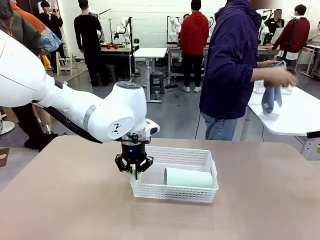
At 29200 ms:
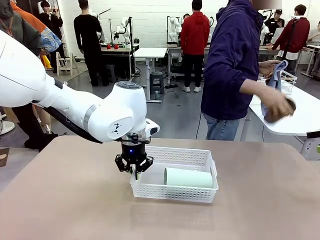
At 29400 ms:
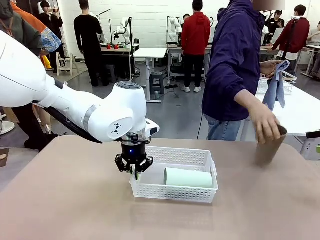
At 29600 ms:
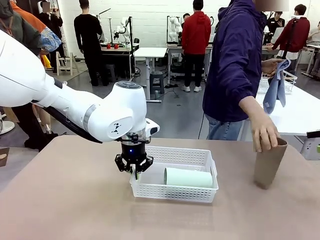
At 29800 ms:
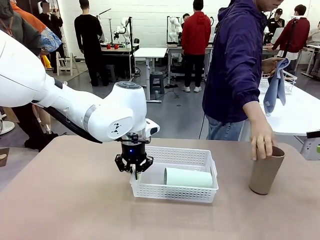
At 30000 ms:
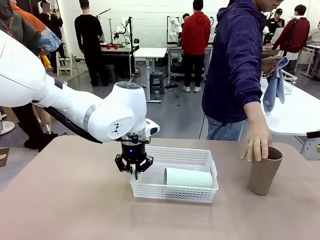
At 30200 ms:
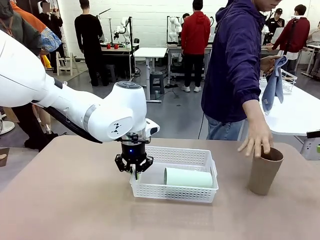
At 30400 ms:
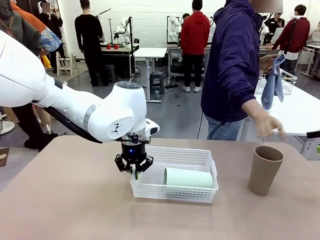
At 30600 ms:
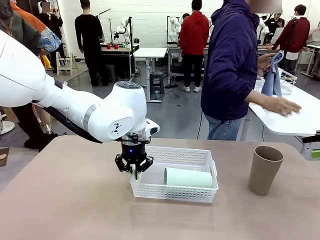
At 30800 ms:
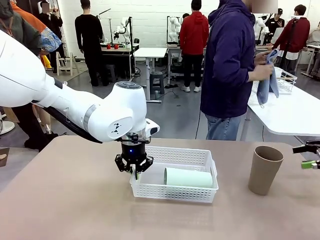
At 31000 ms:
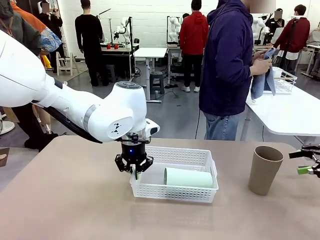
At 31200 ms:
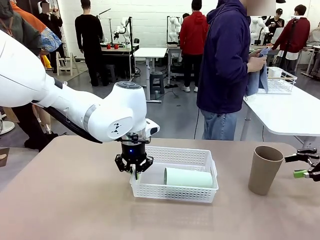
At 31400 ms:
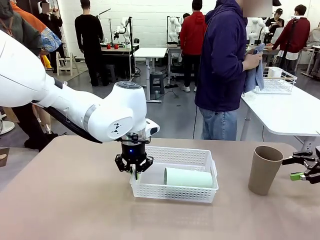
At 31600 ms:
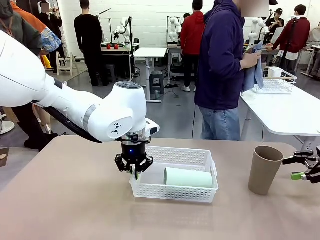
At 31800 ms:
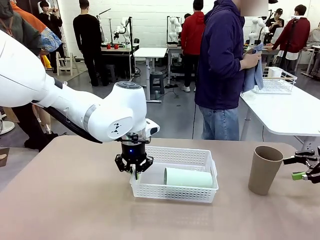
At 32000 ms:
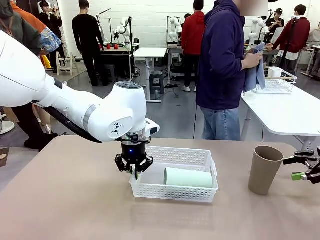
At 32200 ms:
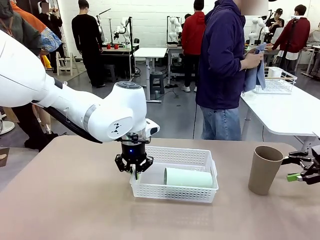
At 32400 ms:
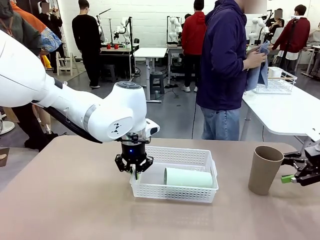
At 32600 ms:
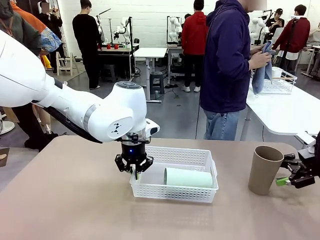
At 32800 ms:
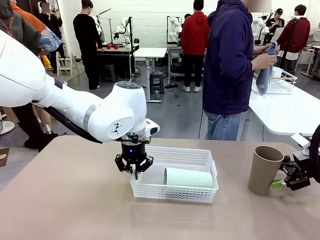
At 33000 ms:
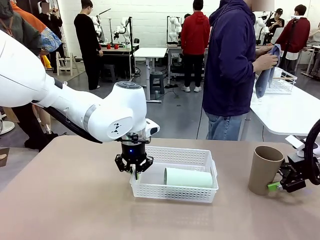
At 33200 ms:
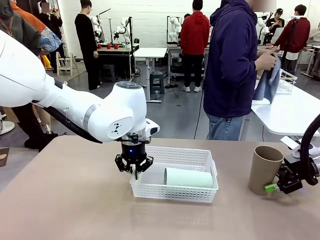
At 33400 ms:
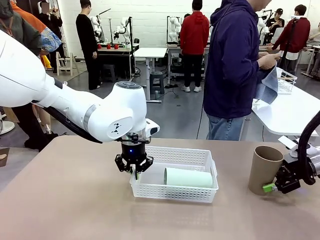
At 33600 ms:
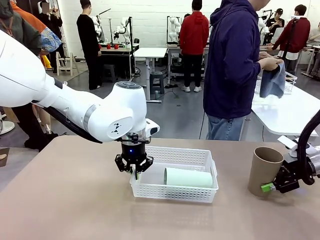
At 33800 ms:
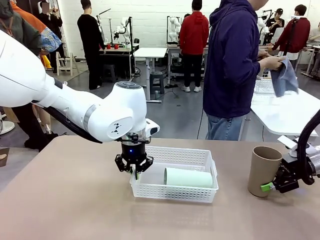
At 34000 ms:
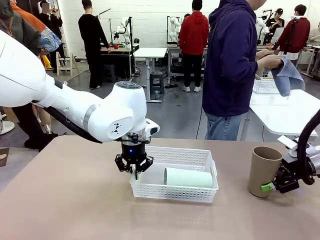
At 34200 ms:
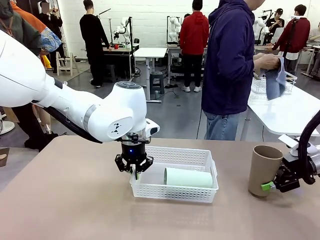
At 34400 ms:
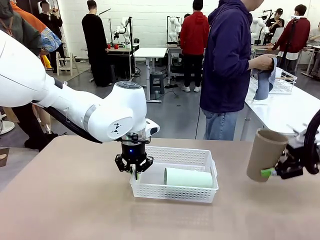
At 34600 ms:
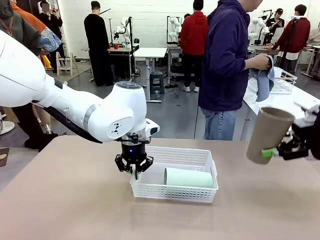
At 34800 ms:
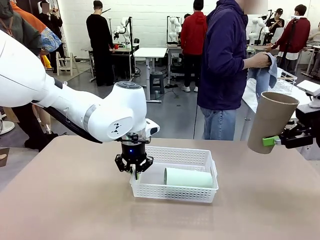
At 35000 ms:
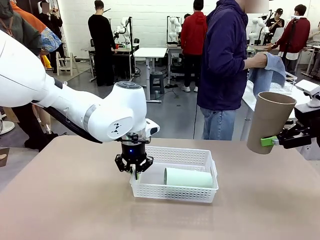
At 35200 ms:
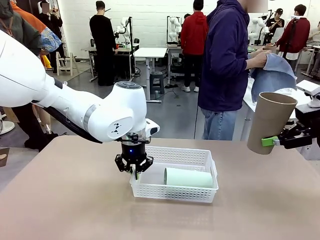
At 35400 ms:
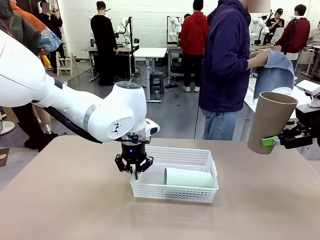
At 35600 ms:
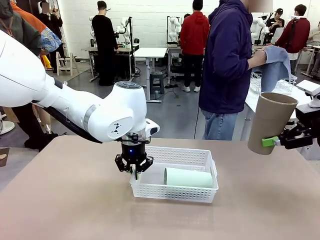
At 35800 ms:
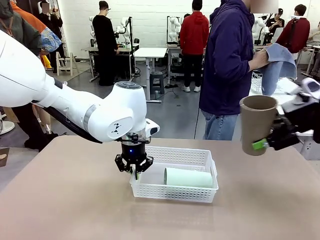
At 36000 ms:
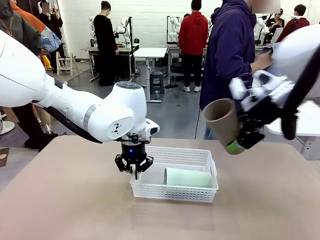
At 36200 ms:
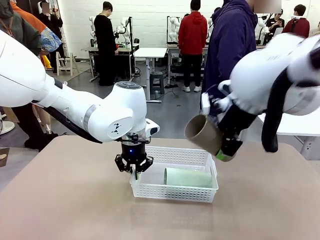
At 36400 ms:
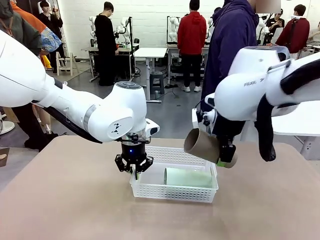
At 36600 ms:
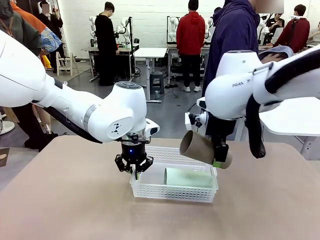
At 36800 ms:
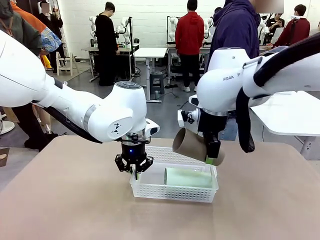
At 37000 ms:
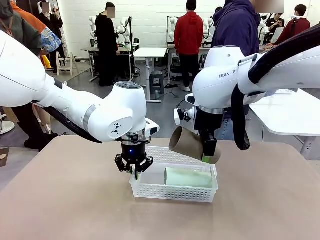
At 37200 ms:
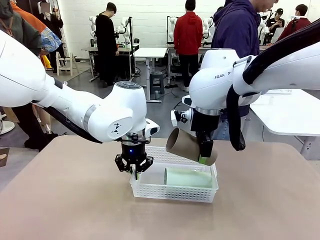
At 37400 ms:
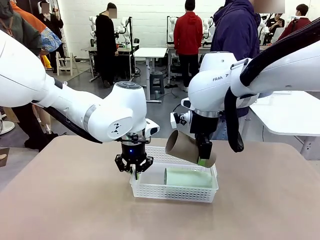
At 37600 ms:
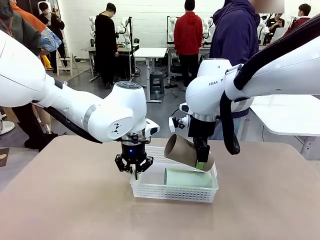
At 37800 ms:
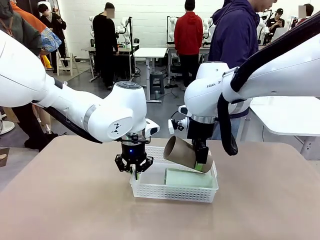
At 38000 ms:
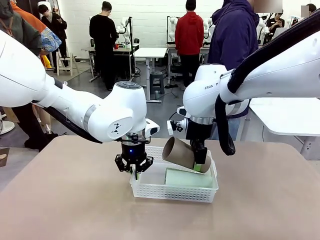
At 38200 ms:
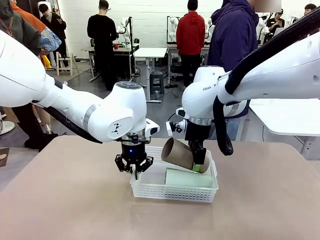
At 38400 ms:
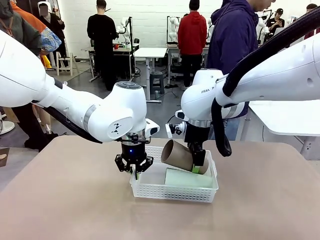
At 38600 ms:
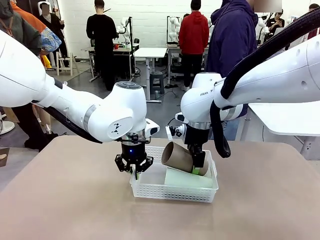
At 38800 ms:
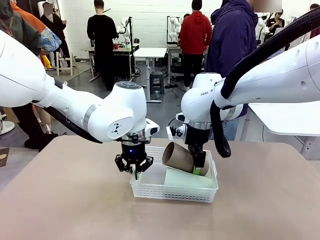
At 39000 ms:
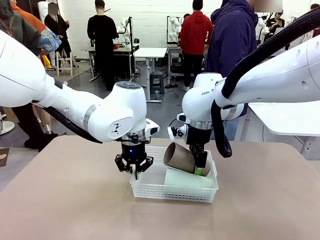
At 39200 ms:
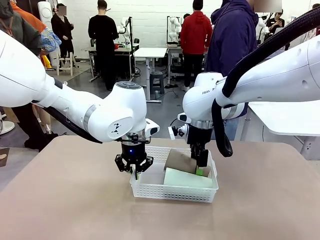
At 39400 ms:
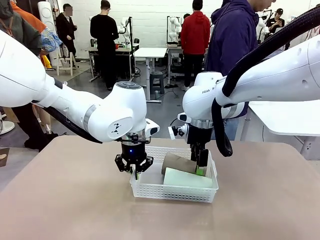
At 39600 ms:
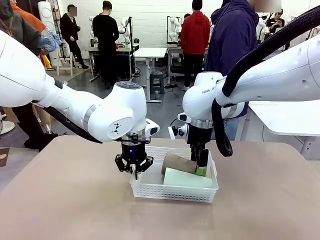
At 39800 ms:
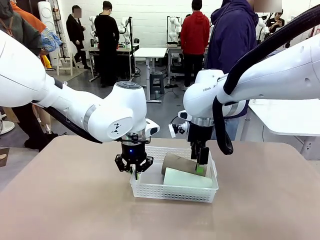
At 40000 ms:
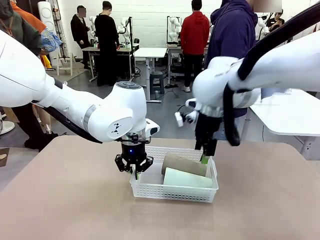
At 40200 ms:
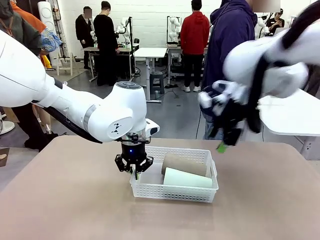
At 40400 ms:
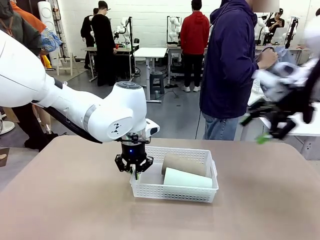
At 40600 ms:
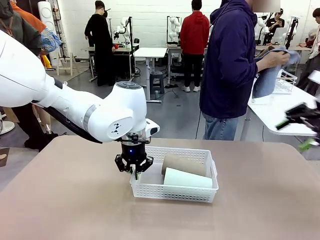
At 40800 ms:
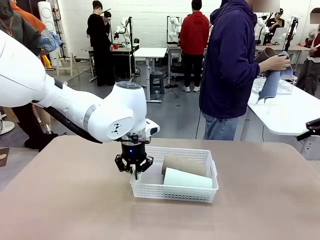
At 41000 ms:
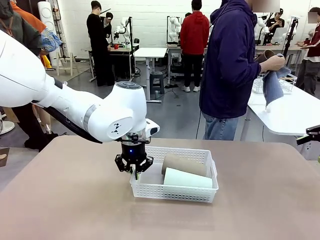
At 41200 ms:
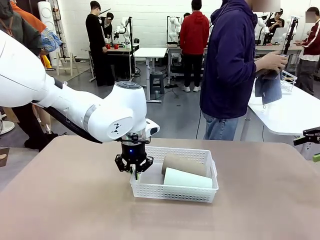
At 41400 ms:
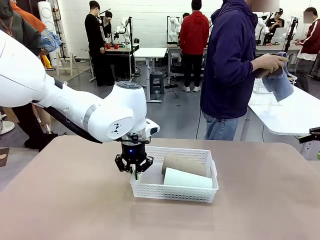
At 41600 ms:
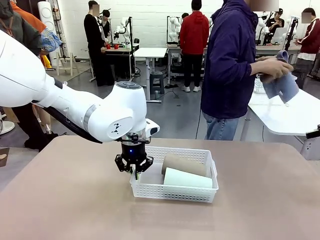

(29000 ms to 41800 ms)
Task: Clean and organize the cups into the basket.
Robot: Pick up the Reusable plastic cup from the right side of the table and stack it inside the Organizing basket in the center of the table.

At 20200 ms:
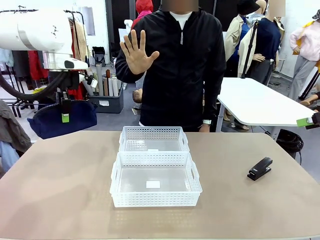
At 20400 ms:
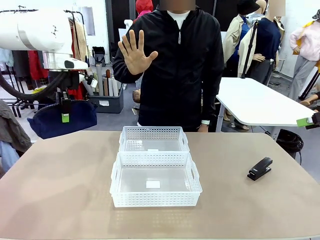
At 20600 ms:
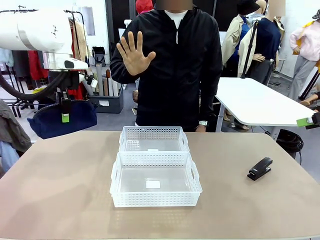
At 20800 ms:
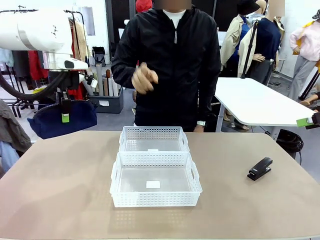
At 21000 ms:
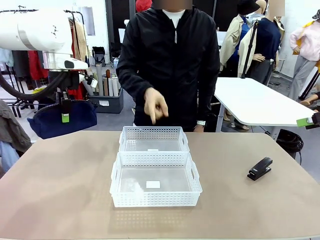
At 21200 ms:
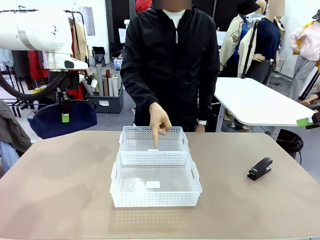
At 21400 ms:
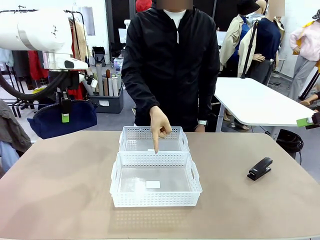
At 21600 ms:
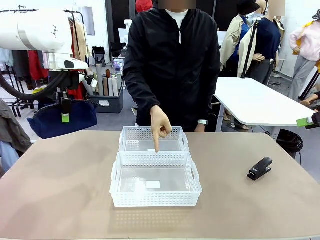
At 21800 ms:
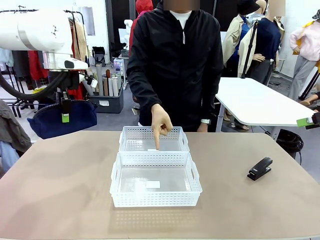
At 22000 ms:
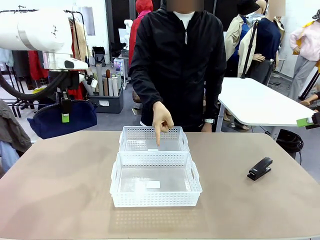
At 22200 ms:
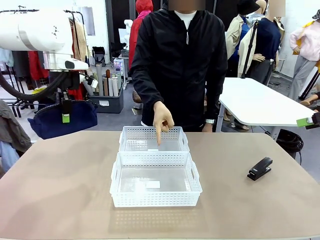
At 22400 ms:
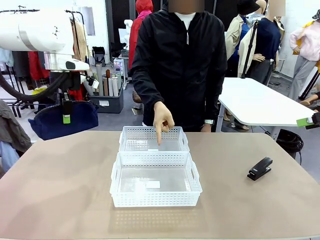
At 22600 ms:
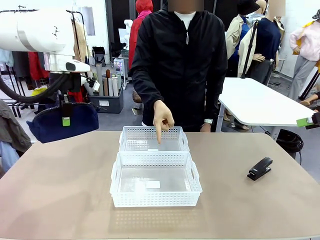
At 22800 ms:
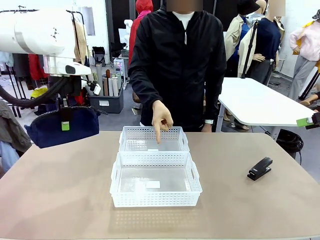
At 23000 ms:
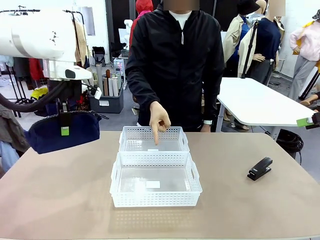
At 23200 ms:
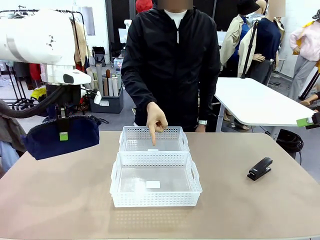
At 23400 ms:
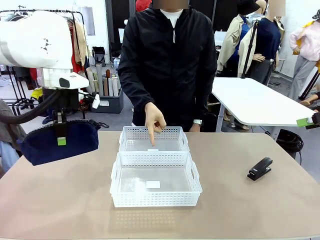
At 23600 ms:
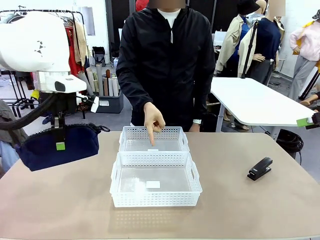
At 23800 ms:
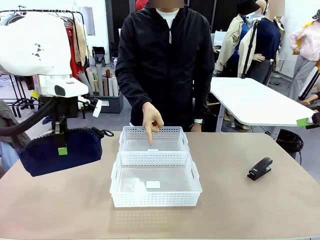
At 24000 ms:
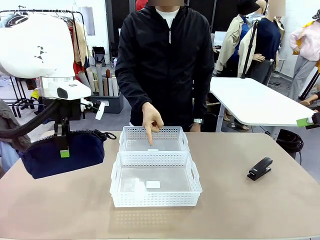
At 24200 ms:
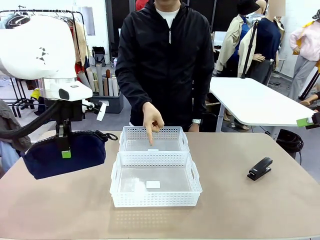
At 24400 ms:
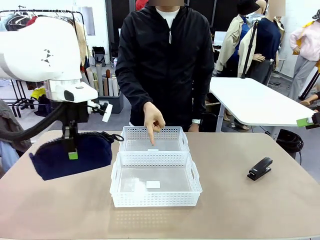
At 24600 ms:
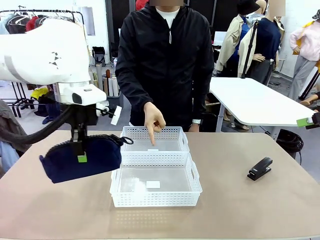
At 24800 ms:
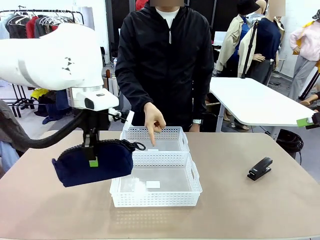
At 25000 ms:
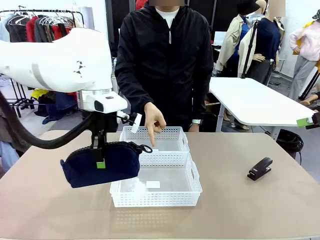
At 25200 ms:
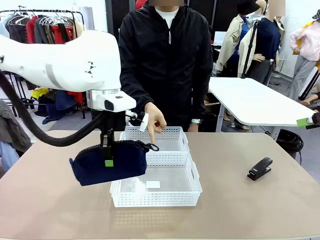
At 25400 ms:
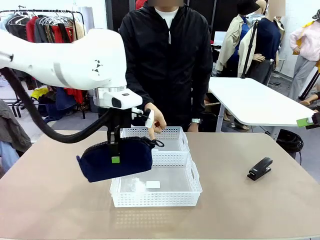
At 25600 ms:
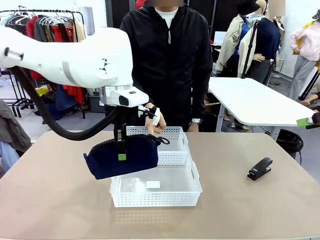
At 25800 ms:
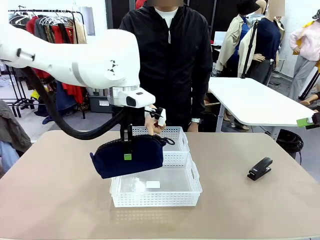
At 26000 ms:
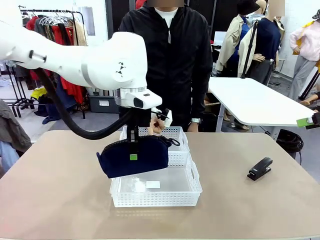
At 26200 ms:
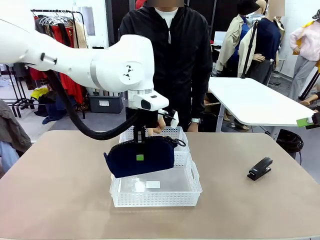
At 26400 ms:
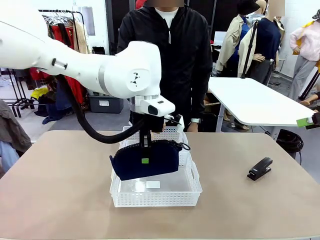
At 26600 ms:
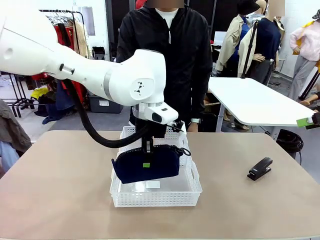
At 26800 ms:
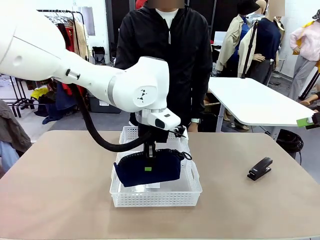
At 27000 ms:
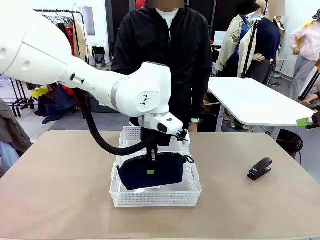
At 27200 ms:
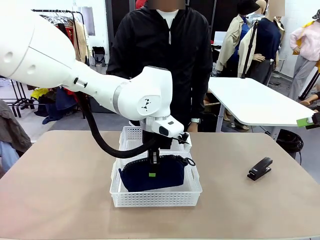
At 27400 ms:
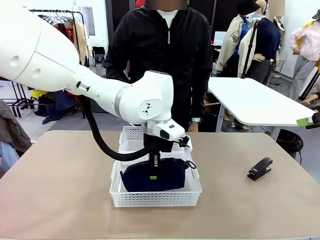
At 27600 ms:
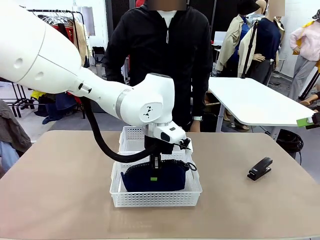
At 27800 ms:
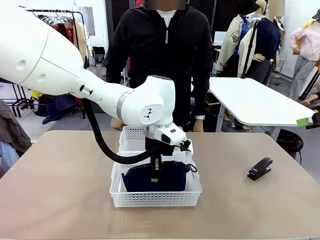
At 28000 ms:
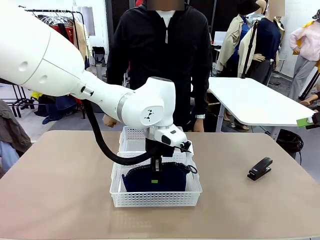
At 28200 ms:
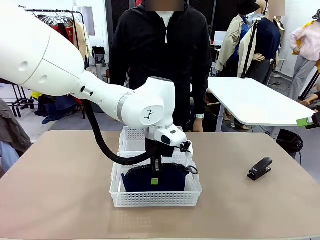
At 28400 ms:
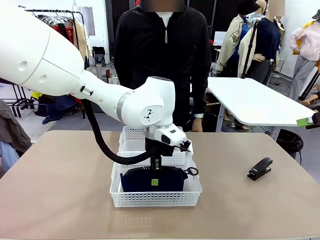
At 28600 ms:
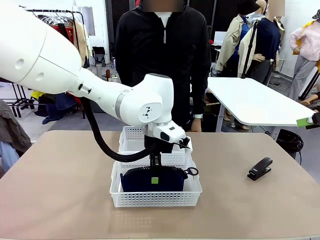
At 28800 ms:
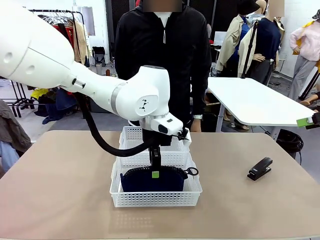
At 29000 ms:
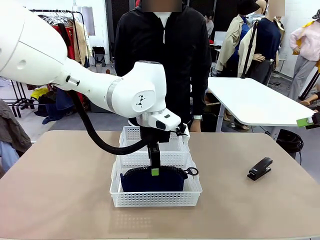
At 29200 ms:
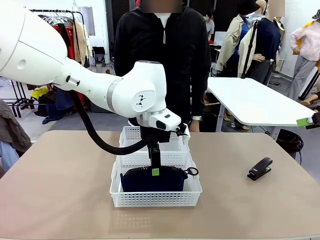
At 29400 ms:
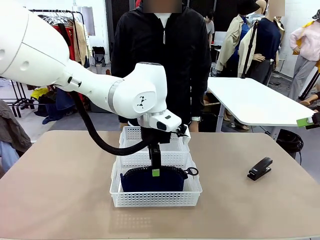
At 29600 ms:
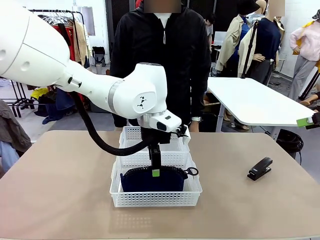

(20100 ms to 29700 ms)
Task: Distribute items into two baskets.
Robot: Place the picked Pencil pouch into the Organizing basket as instructed by the person.
Person: Instructs the robot to place the pencil case into the opposite basket. Points to the stapler.
